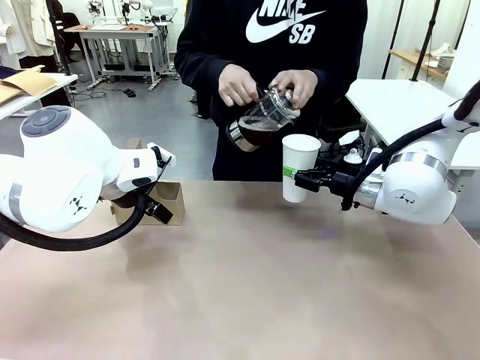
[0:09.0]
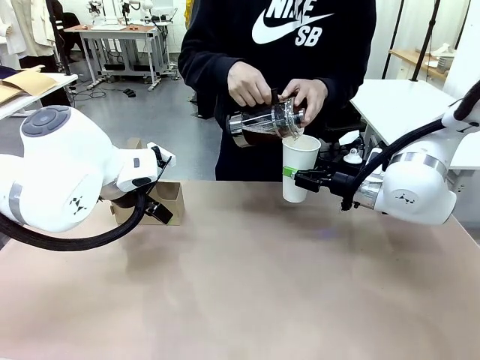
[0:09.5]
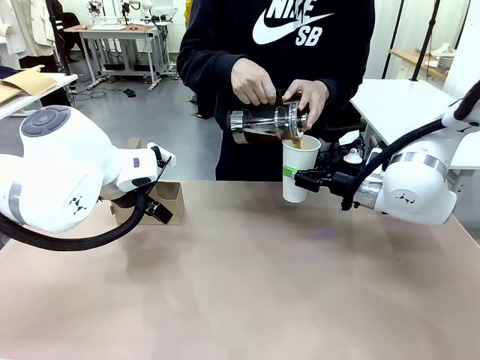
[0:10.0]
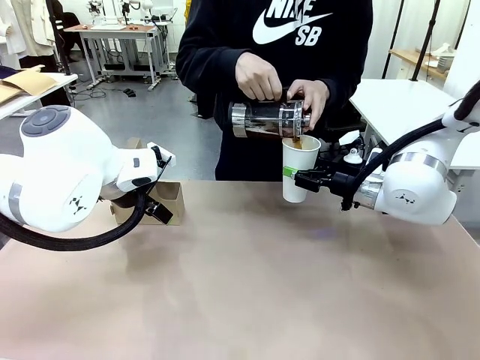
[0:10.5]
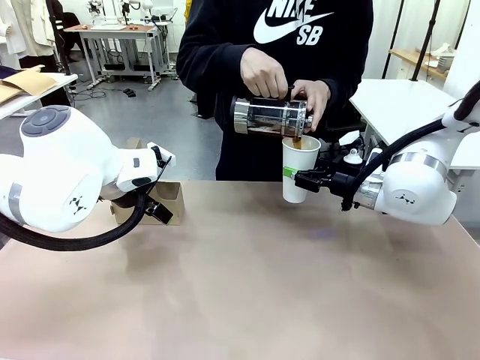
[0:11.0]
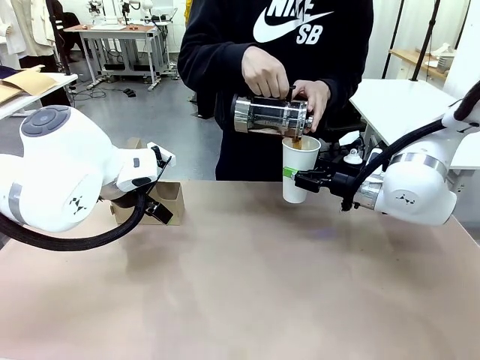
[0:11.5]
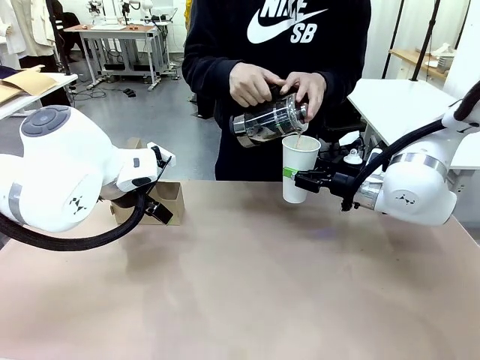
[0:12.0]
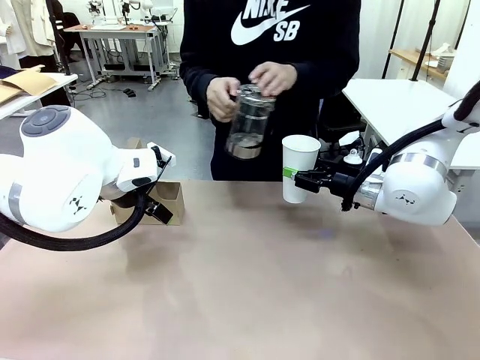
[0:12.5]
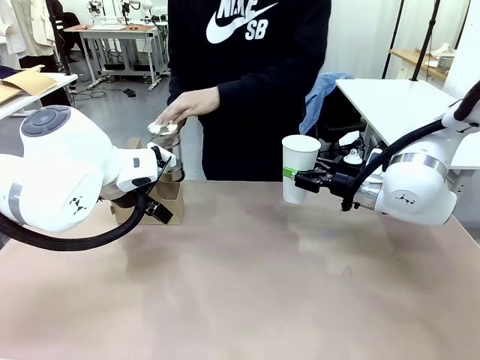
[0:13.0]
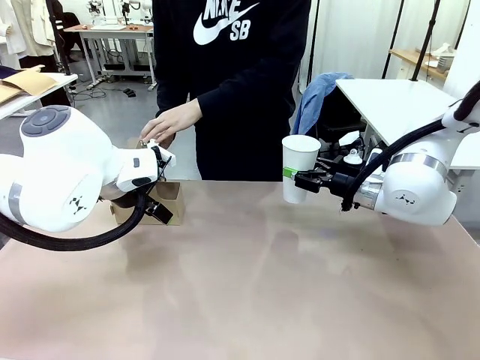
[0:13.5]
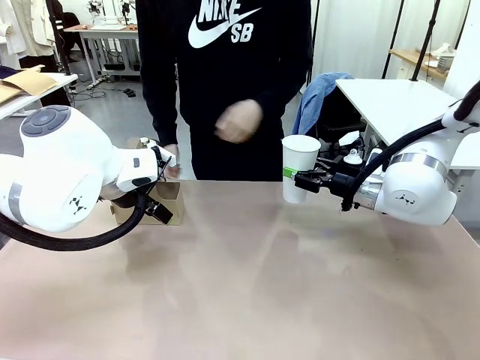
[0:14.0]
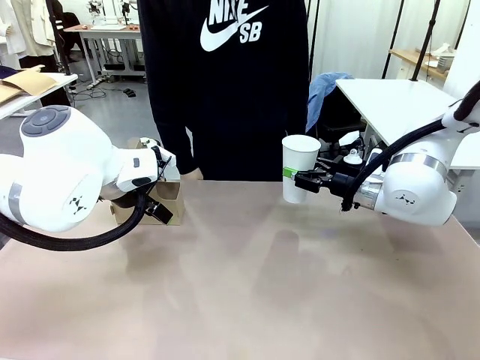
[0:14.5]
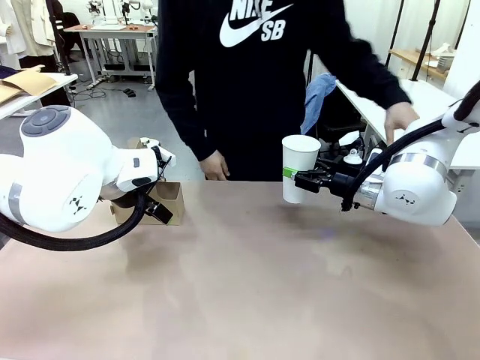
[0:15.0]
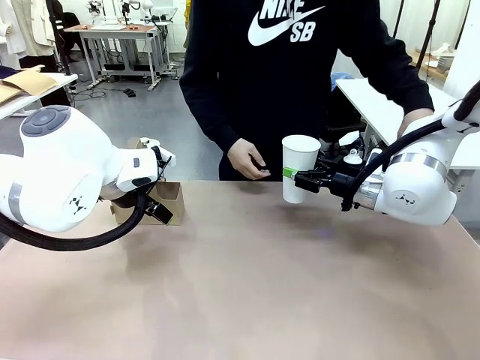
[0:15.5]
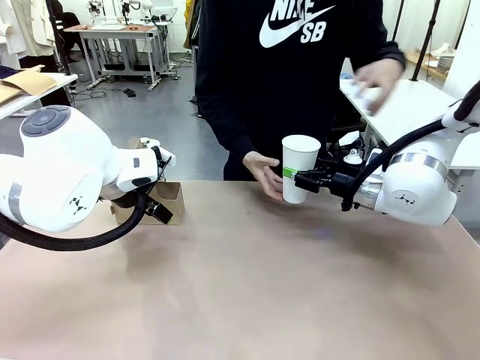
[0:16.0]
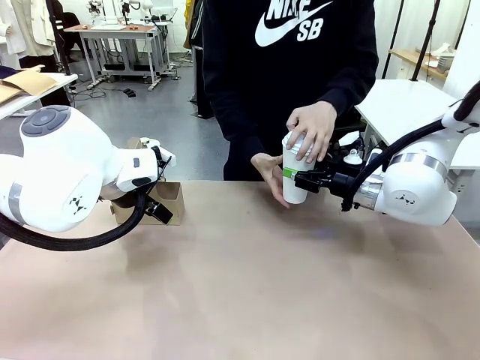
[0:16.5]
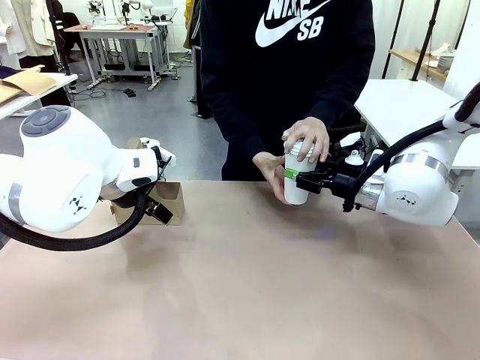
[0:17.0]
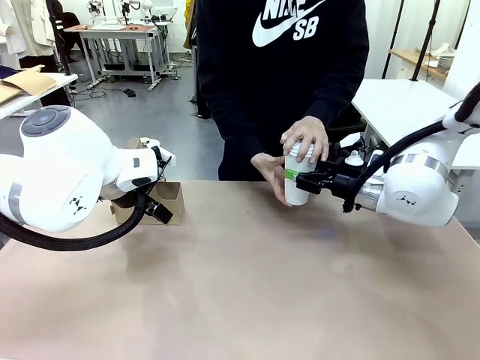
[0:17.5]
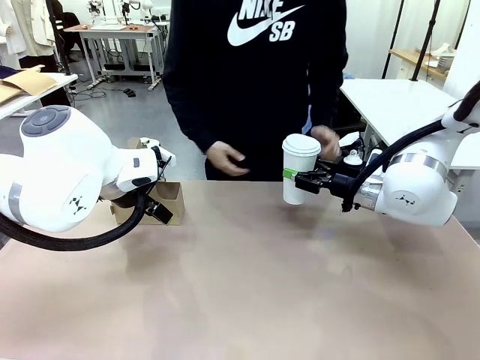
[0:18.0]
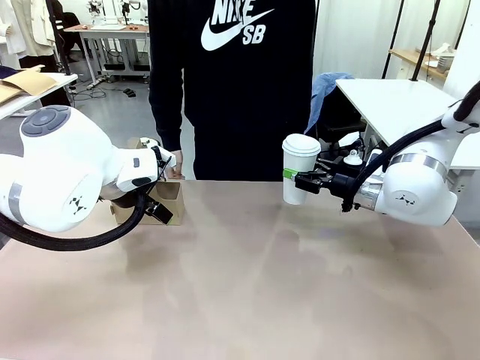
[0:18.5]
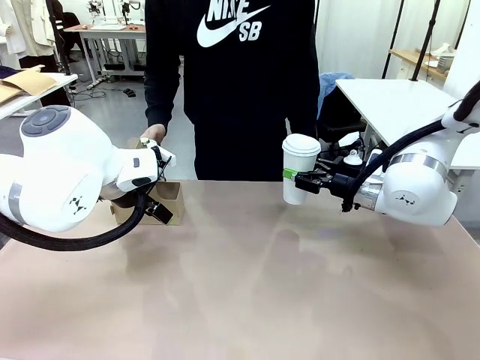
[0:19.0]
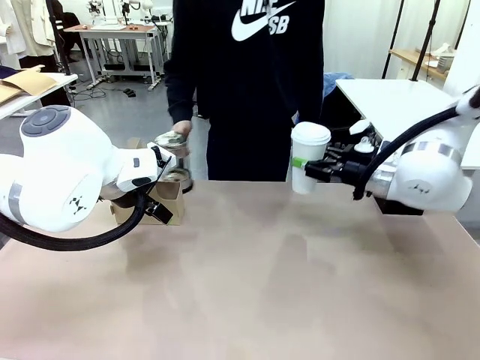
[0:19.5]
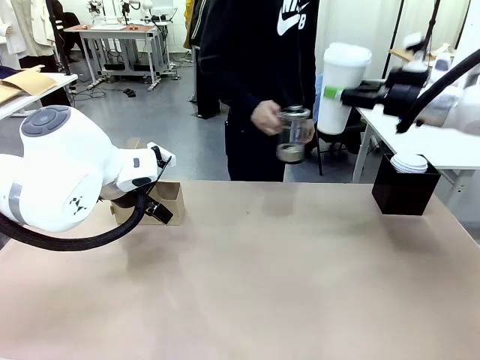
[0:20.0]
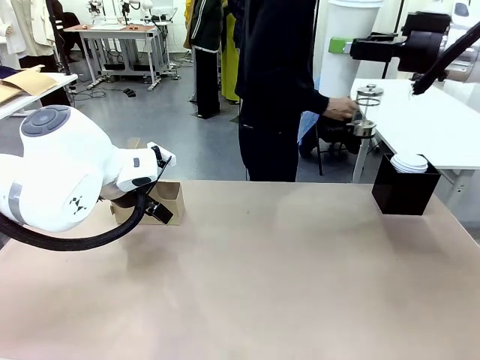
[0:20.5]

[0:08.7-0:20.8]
Task: Pour a drink into a cup and package it in a carrier.
Robot: When a person places the Paper Cup Lid on the 600 ml Paper Cup , lift the 600 ml Paper Cup.
Person: Pour the drink from the Filter Brewing into the 600 ml Paper Cup. Place a Paper Cup Lid on the 600 ml Paper Cup.

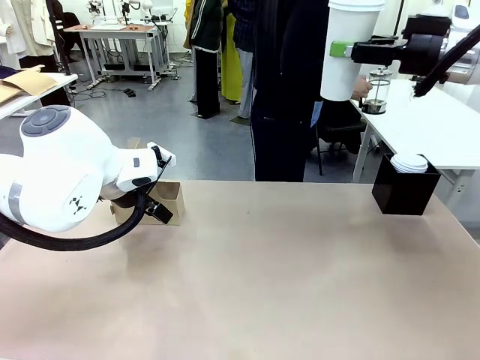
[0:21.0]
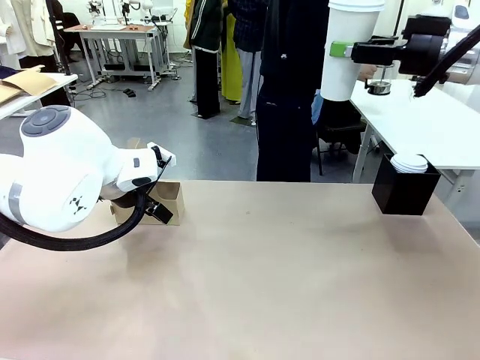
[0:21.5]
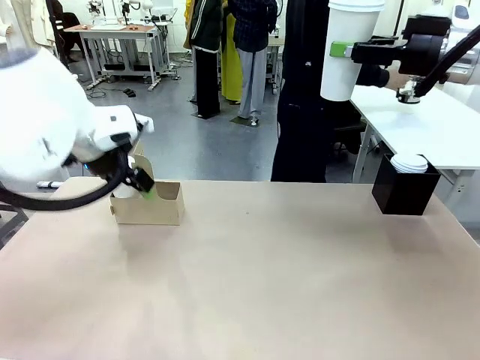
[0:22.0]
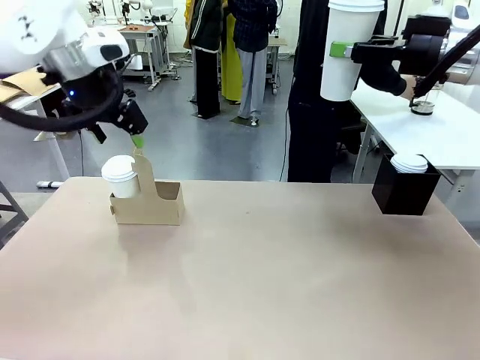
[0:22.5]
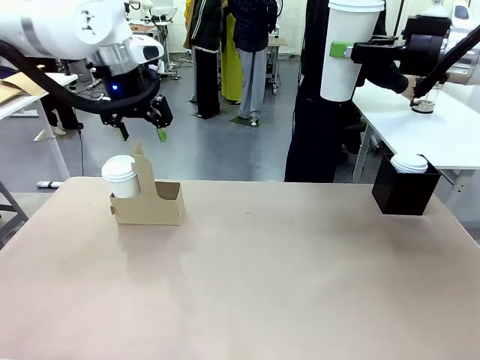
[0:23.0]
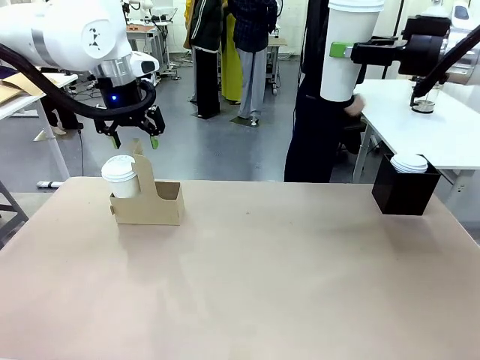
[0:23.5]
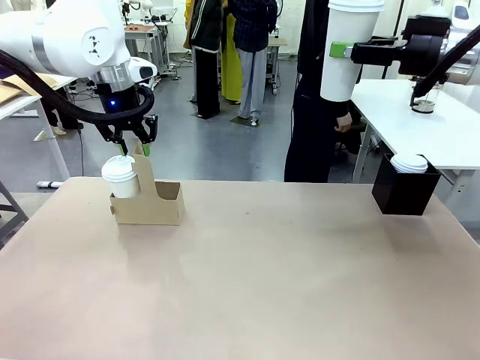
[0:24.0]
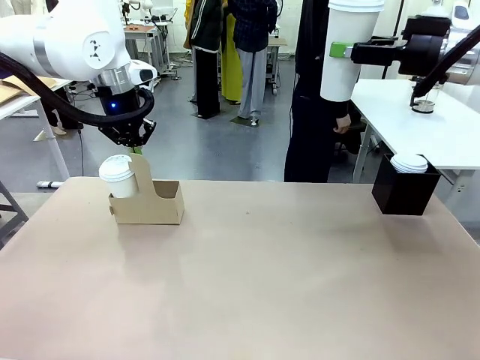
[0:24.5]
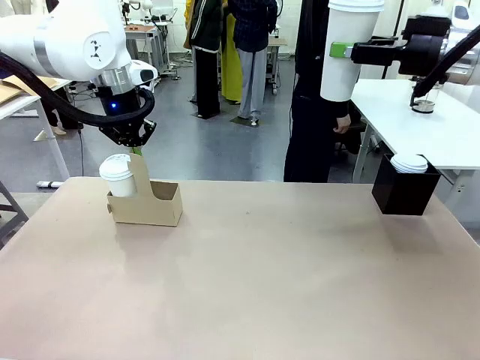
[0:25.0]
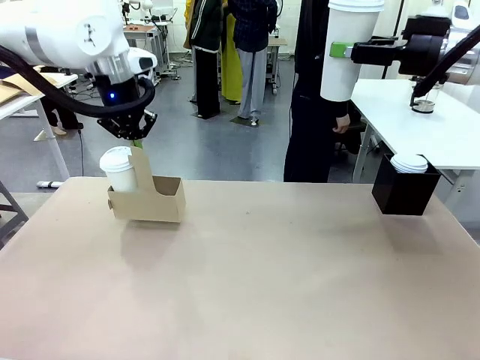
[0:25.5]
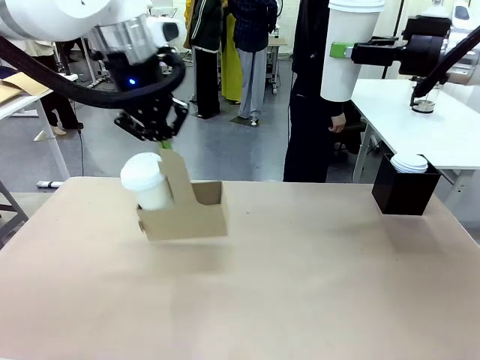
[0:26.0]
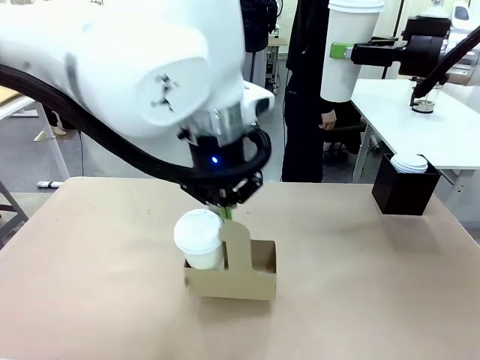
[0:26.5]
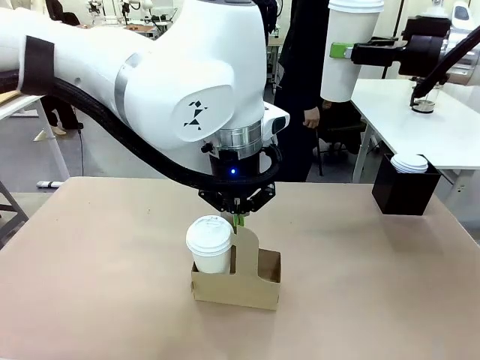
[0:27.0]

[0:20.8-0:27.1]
Robot: Position the Cup Carrier in the center of the table.
Person: Pick up the Filter Brewing and place on the middle of Human table, and return to the Robot table.

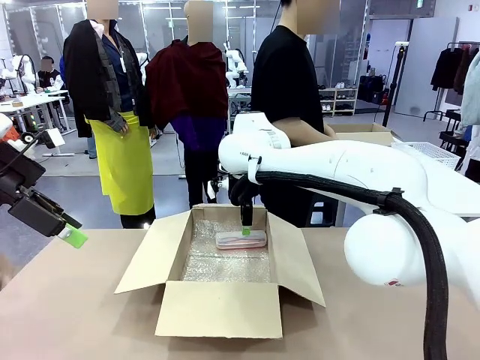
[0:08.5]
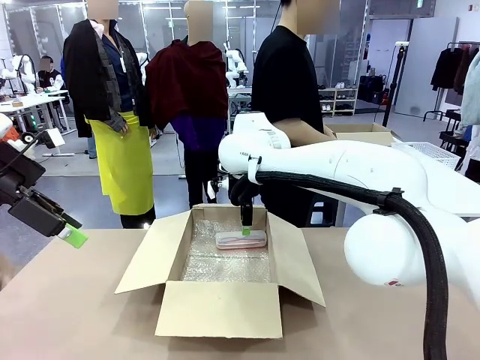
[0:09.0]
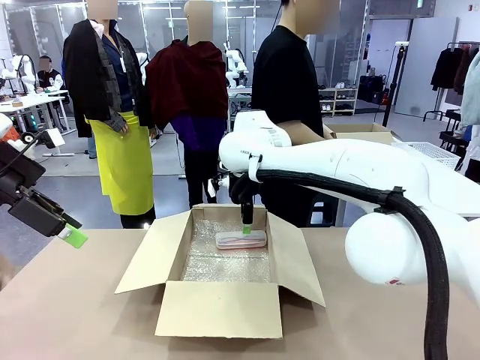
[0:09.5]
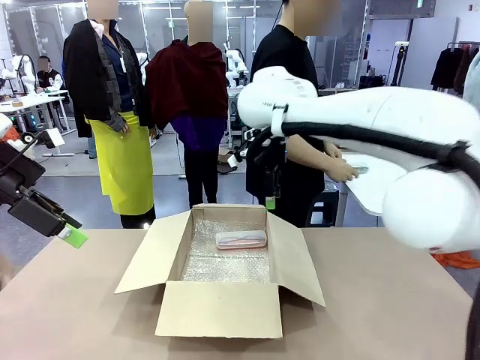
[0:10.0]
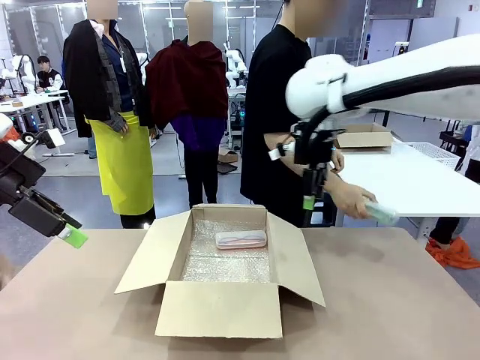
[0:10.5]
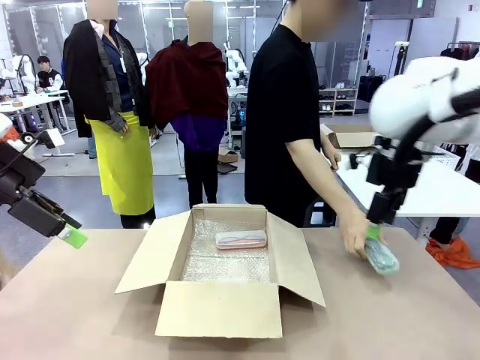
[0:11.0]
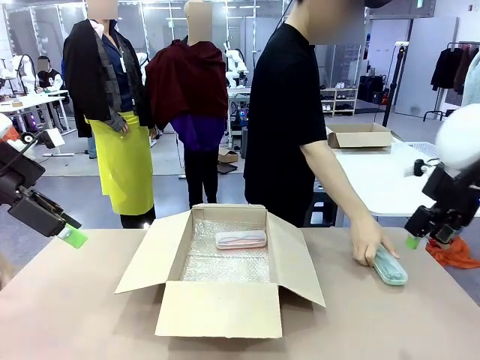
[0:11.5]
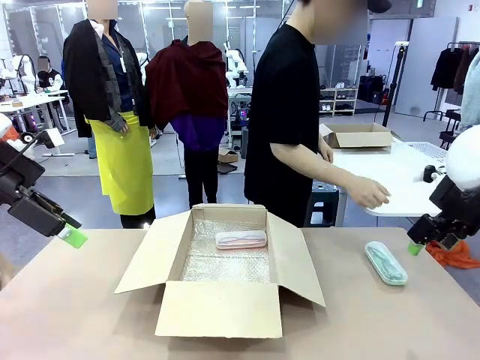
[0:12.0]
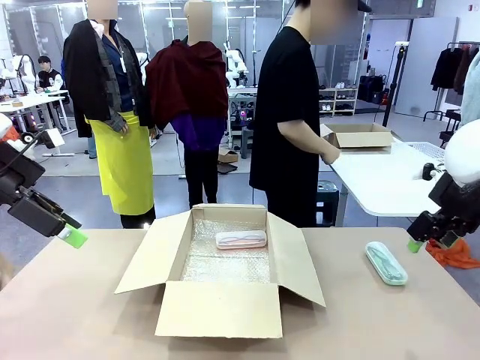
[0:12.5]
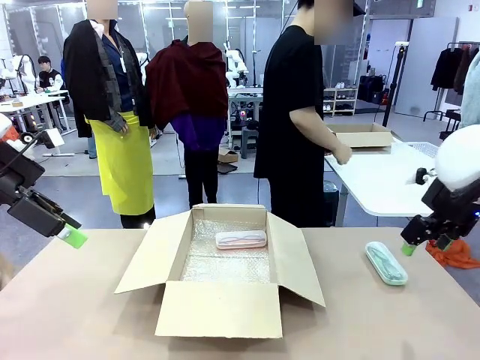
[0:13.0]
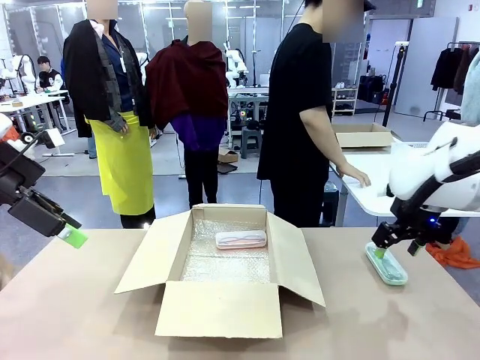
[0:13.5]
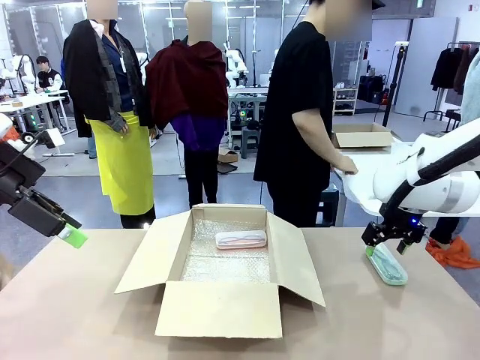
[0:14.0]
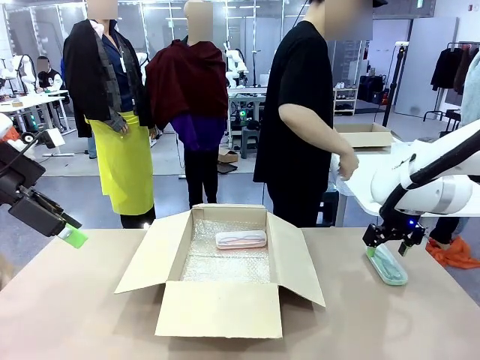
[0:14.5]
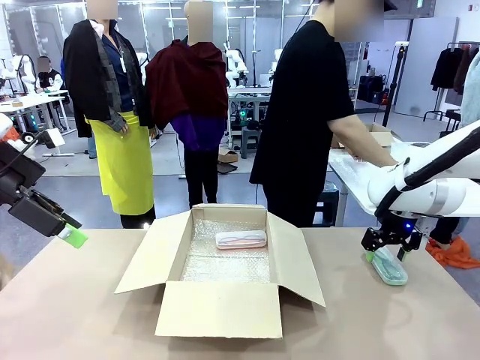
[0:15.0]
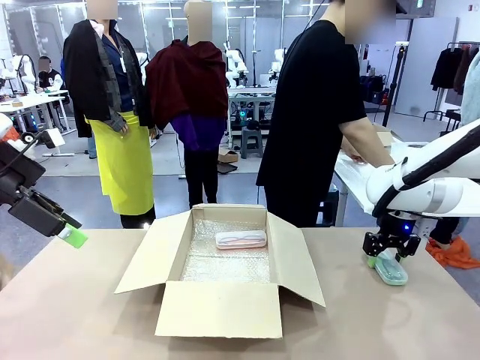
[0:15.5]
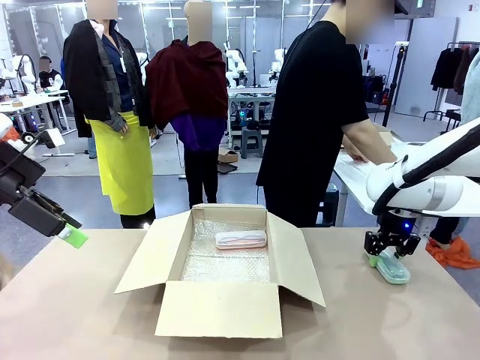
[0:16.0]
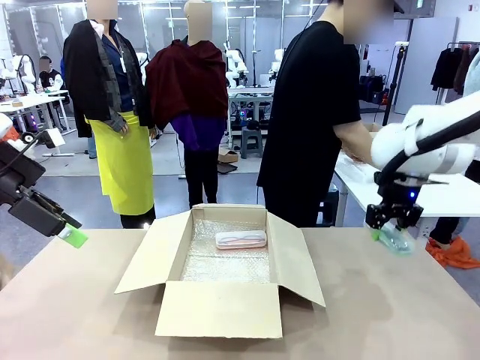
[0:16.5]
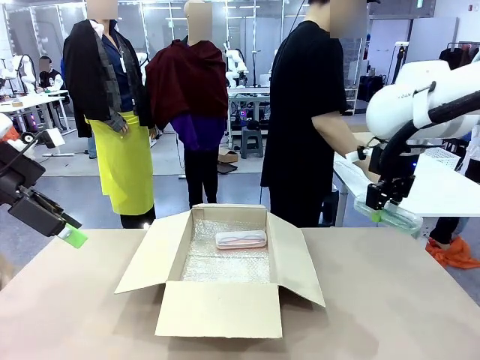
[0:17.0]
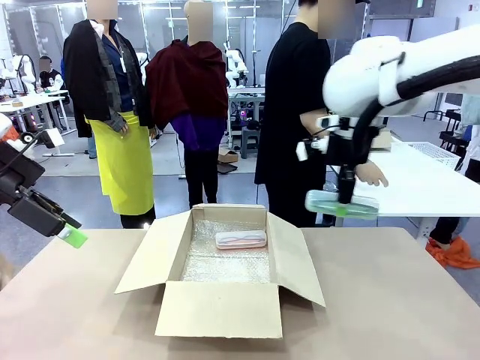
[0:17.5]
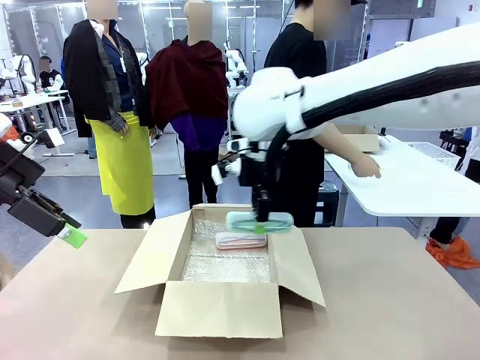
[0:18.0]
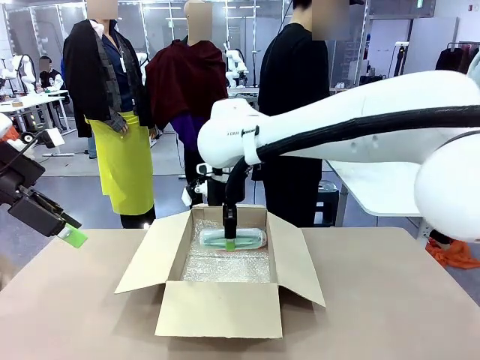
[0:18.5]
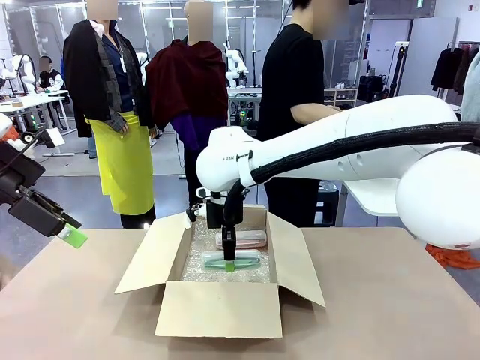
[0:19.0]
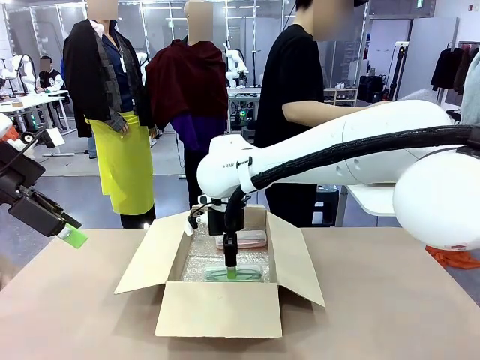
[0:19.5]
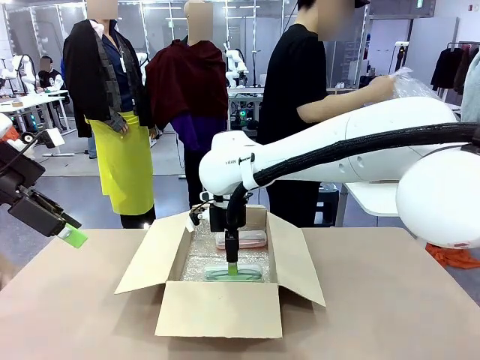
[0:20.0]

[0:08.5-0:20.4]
Task: Pack the glasses set securely to prepare it for shipping.
Robot: Put the Glasses case from the right side of the table into the Package Box.
Person: Position the Glasses case on the left side of the robot's table.
